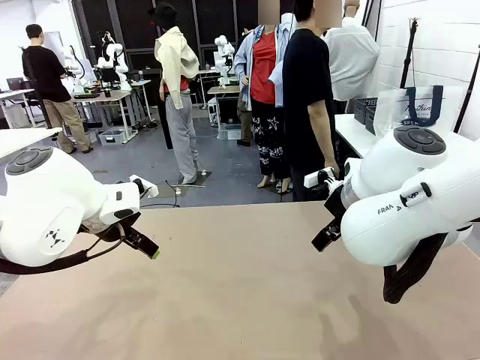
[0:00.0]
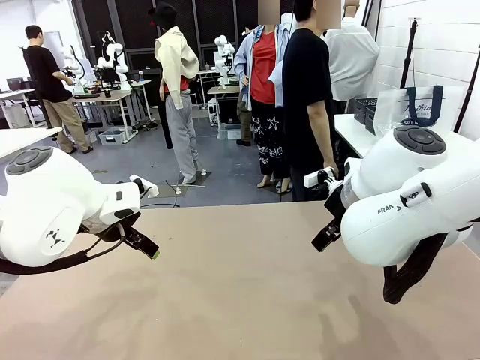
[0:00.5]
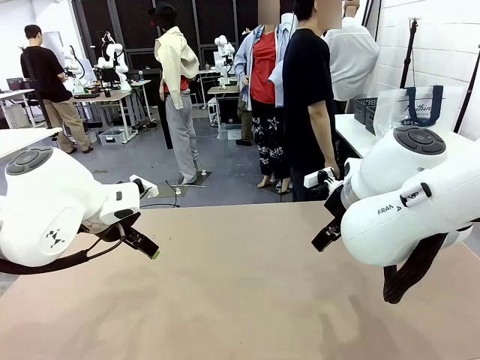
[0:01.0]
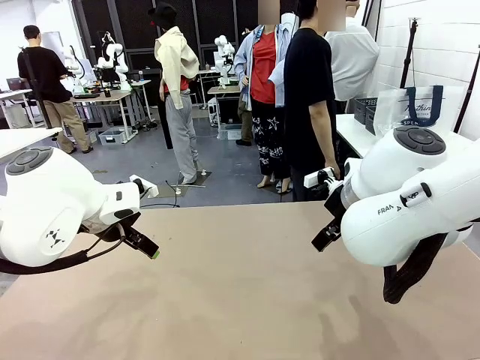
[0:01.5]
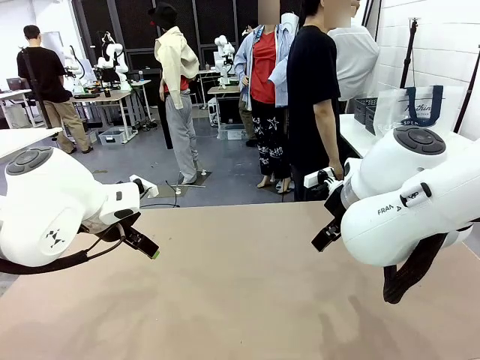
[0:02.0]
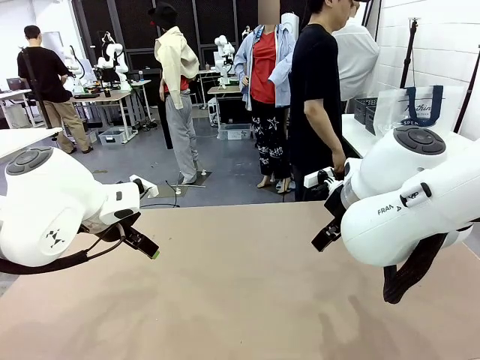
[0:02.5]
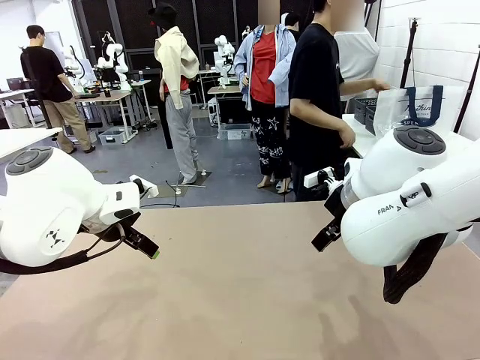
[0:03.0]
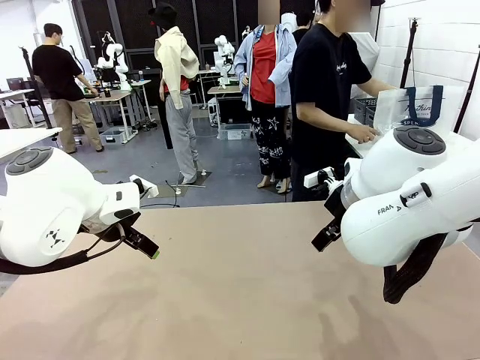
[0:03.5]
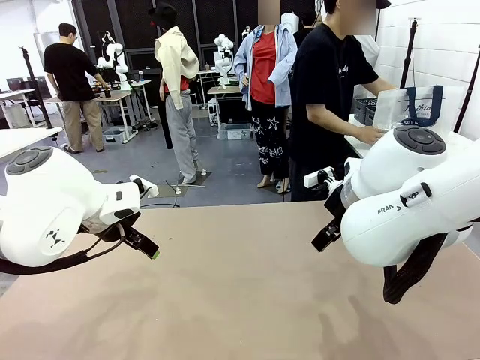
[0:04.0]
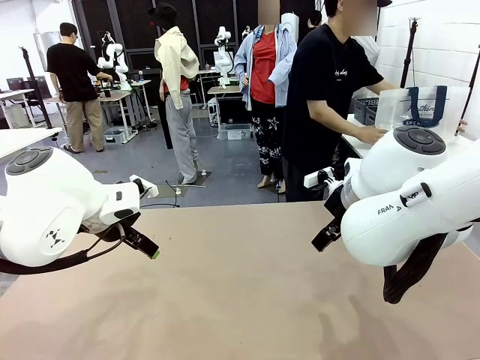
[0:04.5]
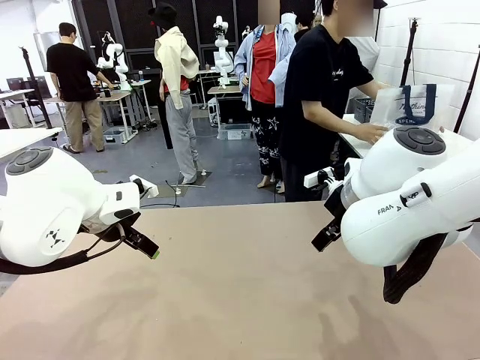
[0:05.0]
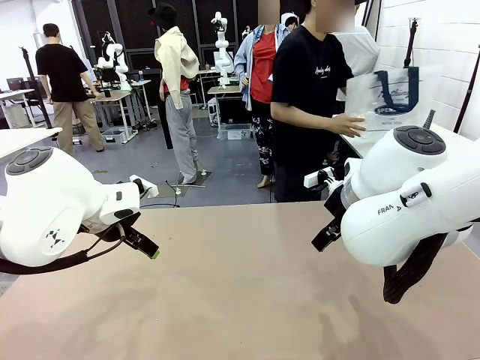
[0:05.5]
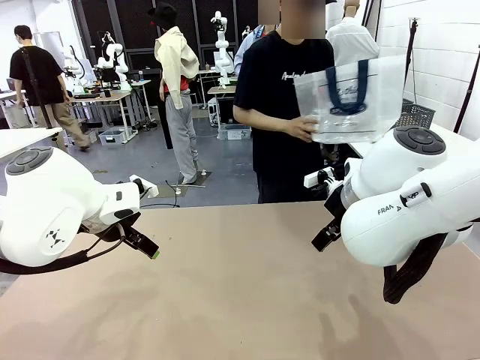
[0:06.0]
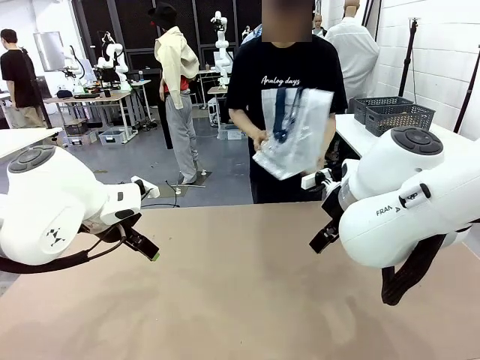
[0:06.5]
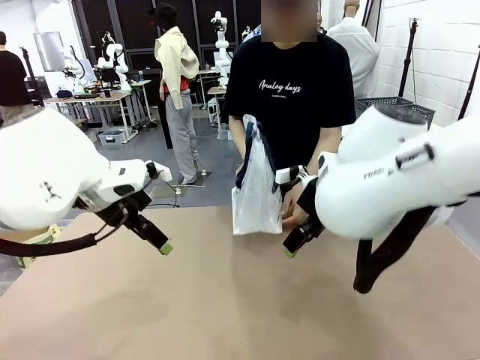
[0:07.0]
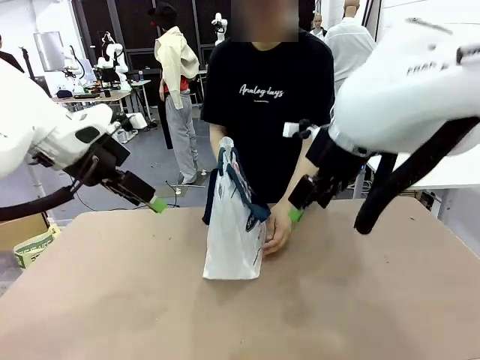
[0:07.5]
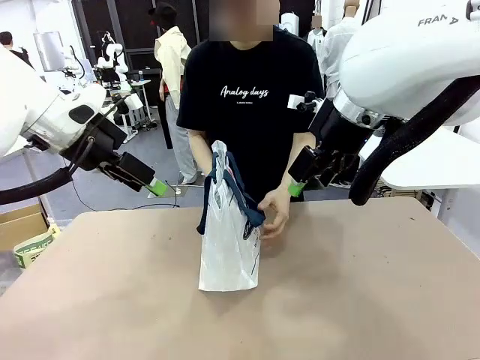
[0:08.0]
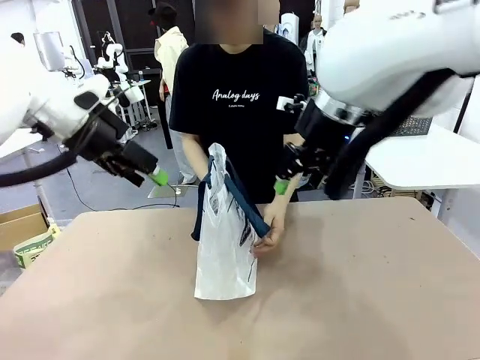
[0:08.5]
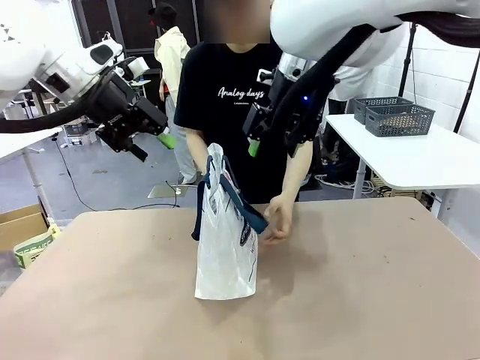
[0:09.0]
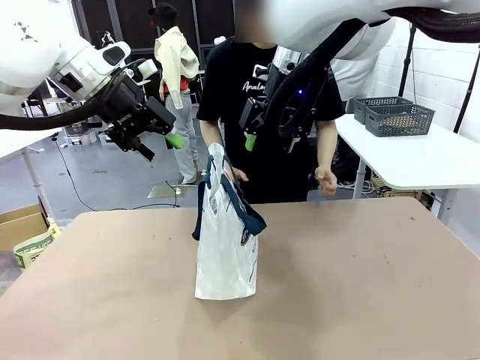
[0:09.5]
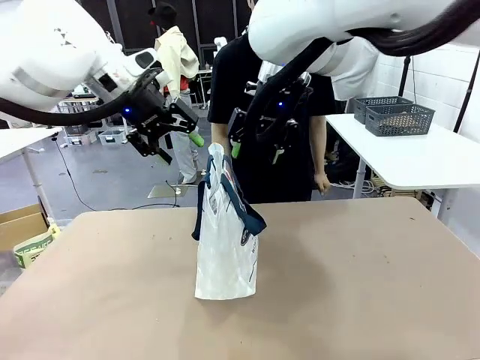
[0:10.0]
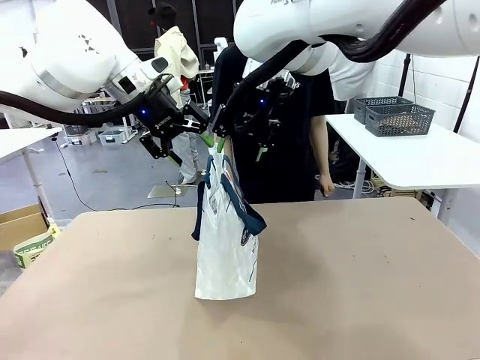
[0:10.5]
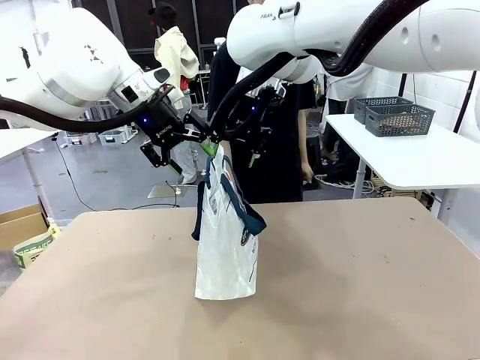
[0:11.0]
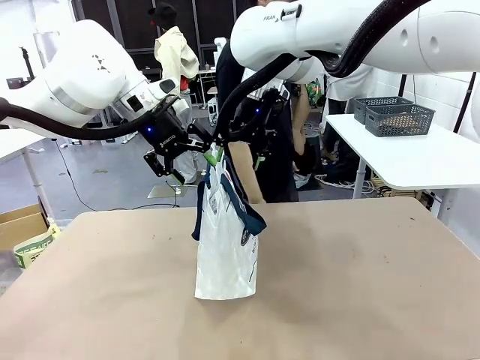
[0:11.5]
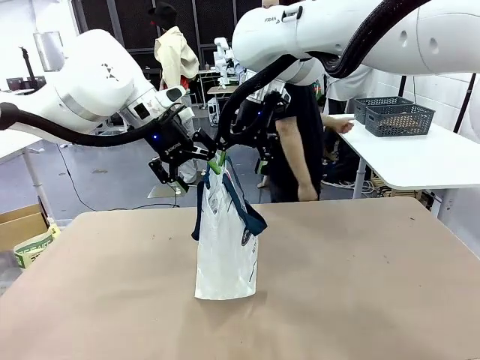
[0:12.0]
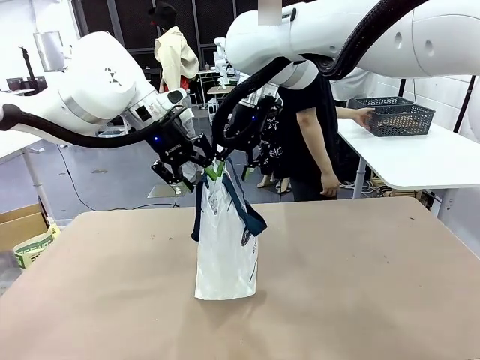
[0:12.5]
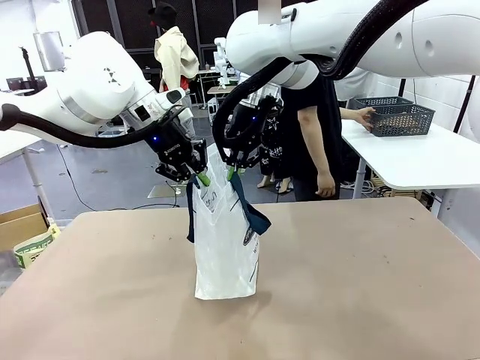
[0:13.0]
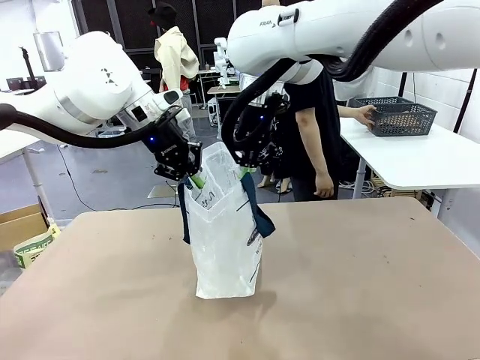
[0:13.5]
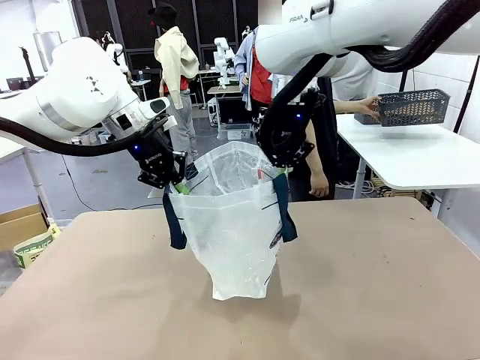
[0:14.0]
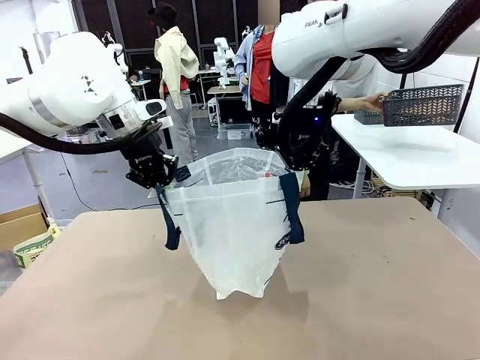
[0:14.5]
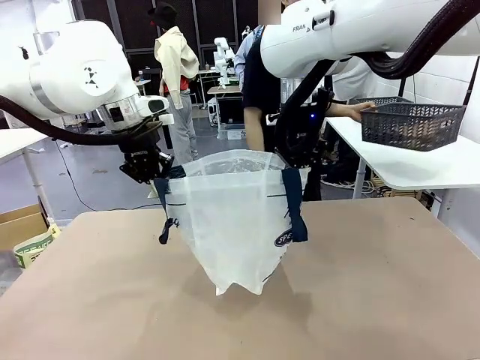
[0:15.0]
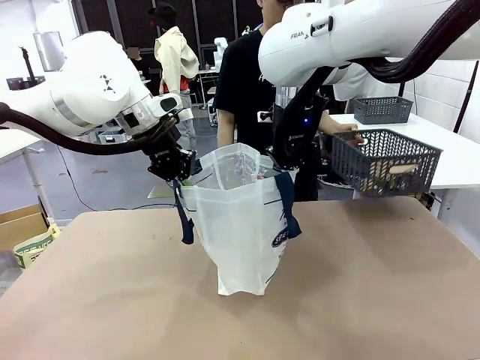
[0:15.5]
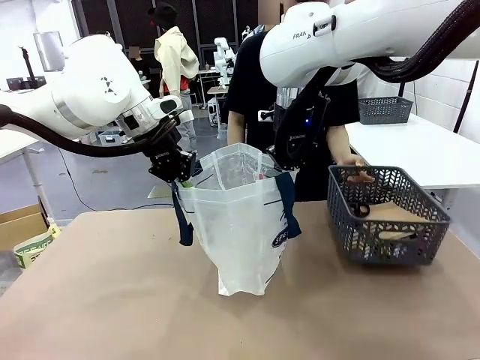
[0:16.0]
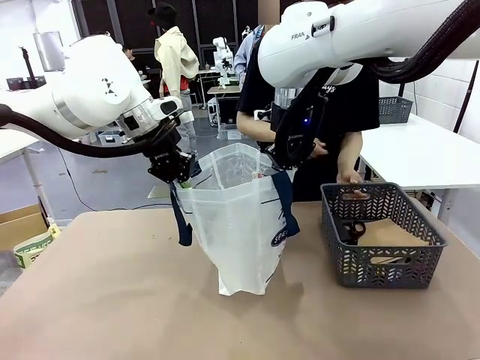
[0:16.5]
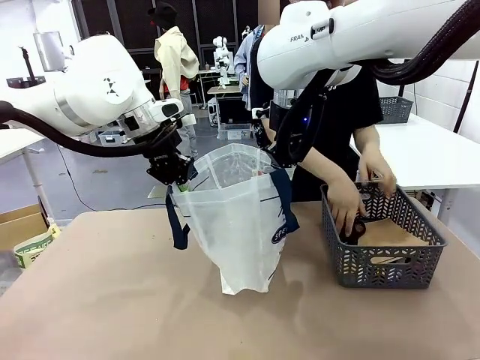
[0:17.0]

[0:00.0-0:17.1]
Task: Transfer purchased items from the store into the shopping bag.
Robot: Open the Reusable shopping bag in the center of the table.
Person: Pick up the shopping bag and place it in the middle of the robot table.

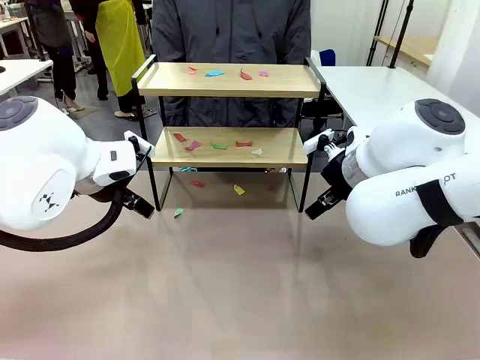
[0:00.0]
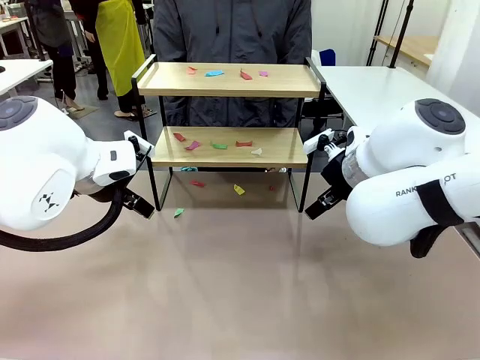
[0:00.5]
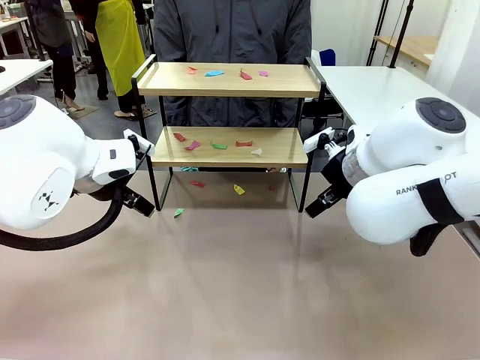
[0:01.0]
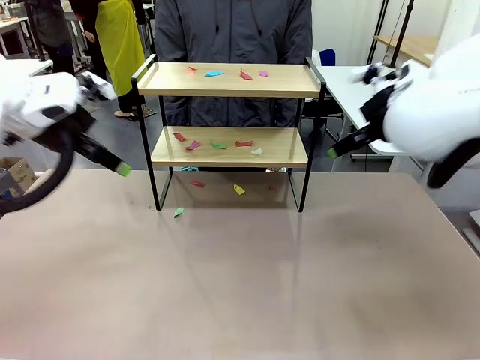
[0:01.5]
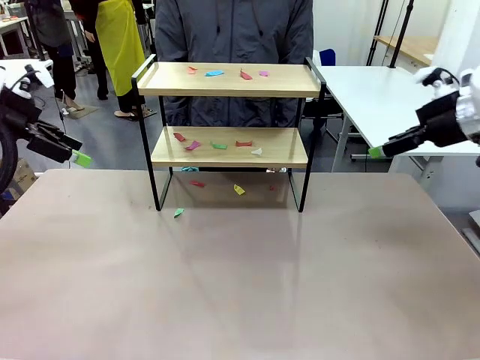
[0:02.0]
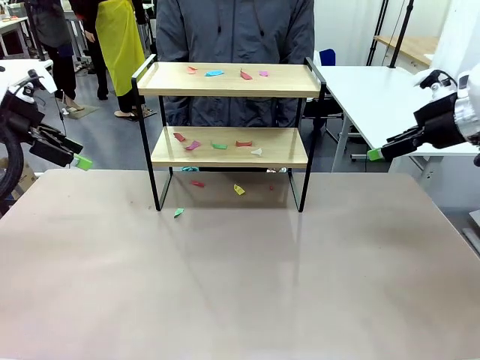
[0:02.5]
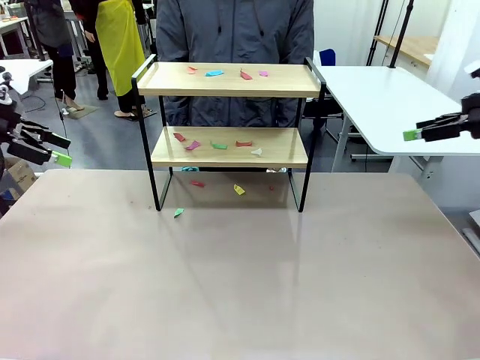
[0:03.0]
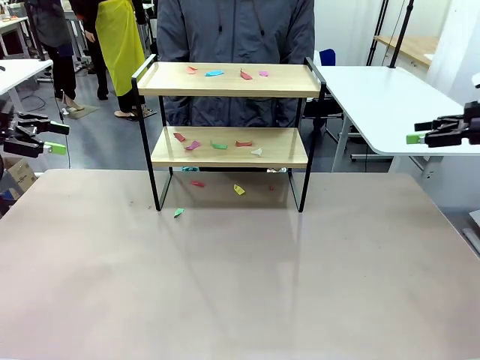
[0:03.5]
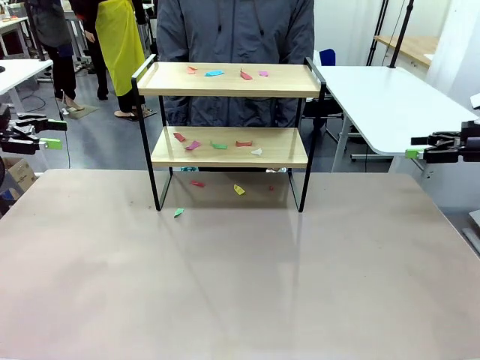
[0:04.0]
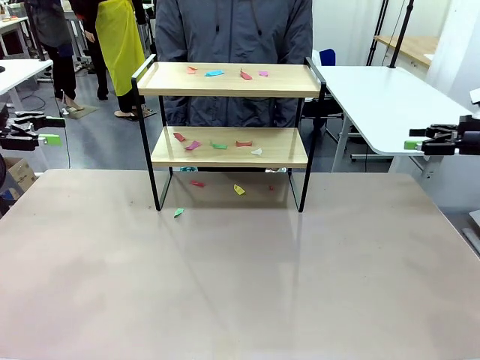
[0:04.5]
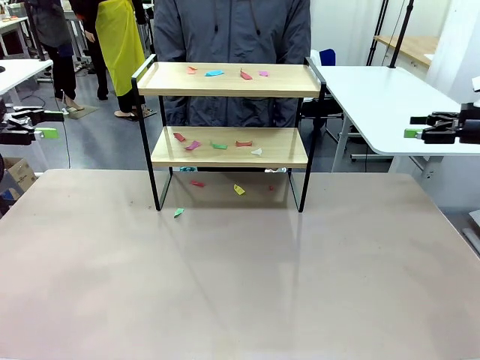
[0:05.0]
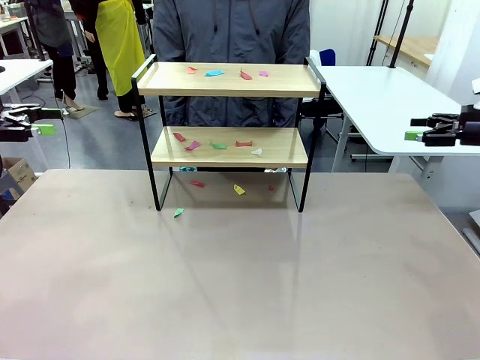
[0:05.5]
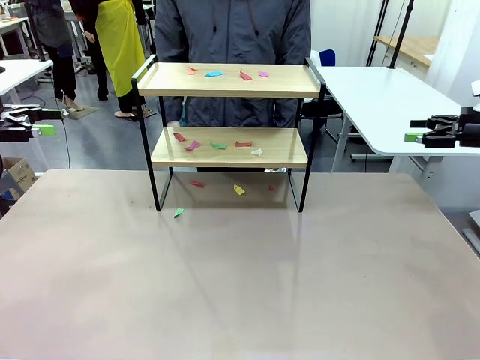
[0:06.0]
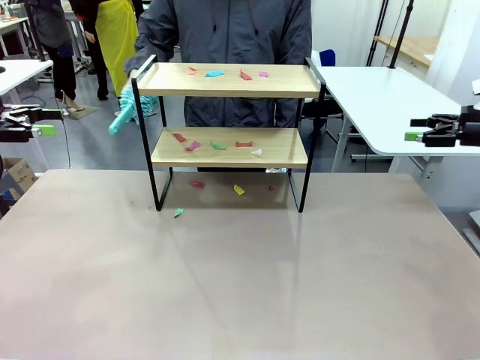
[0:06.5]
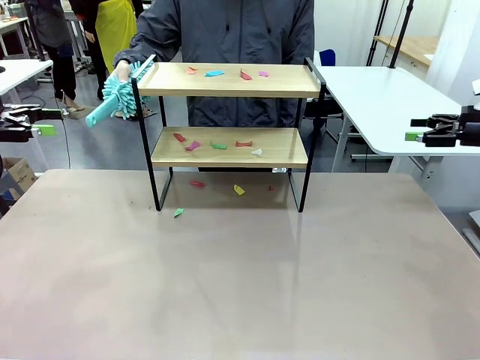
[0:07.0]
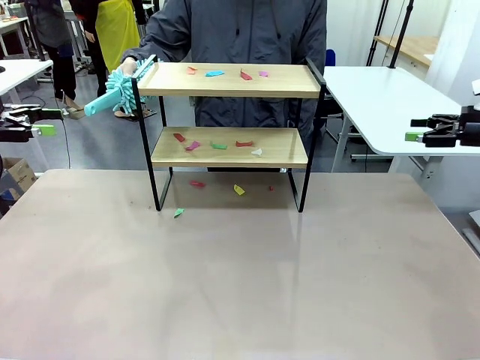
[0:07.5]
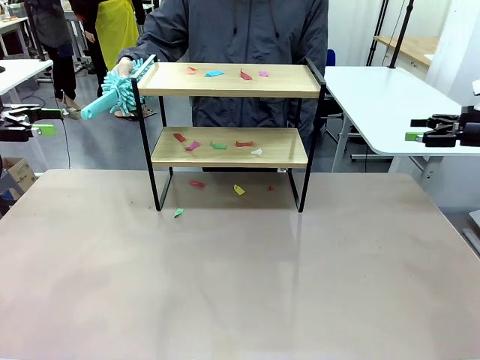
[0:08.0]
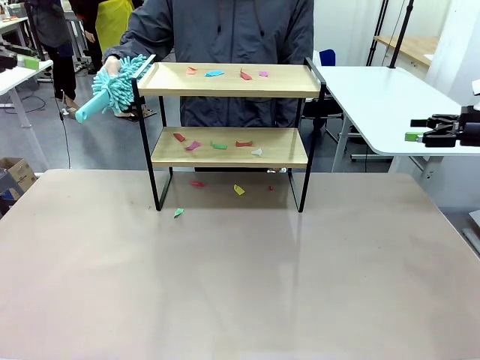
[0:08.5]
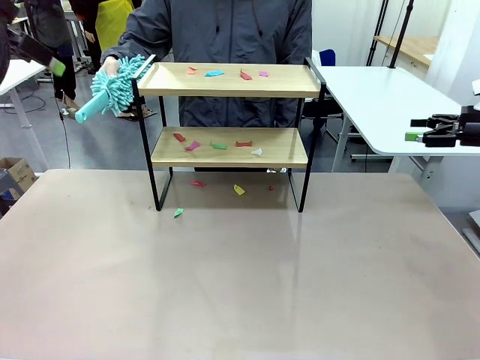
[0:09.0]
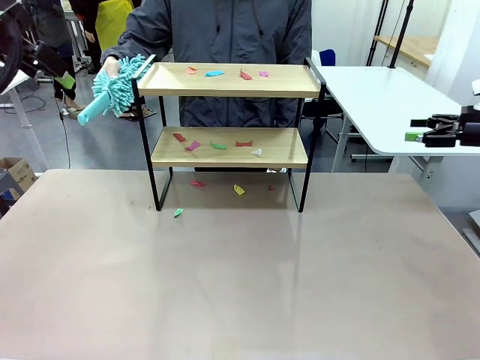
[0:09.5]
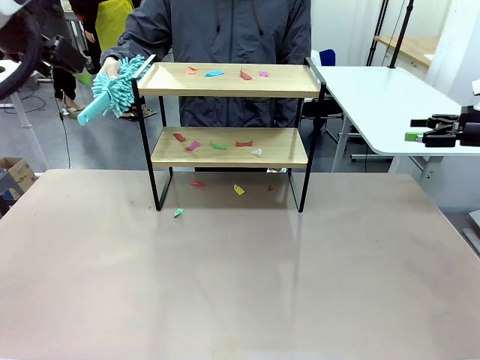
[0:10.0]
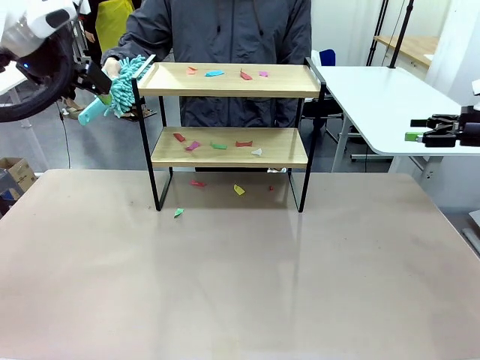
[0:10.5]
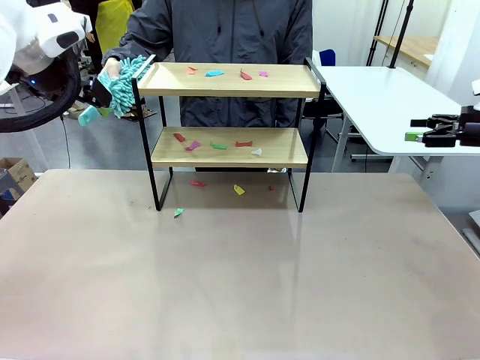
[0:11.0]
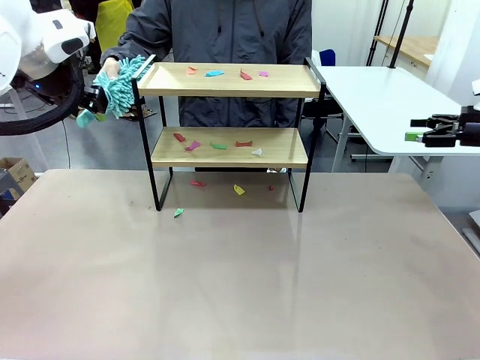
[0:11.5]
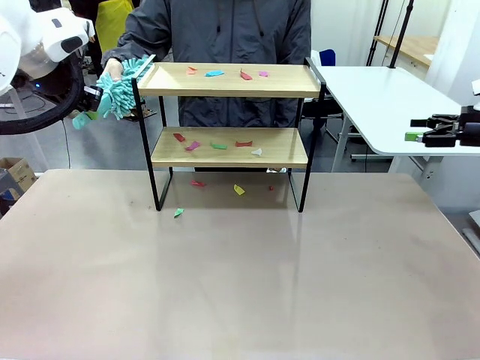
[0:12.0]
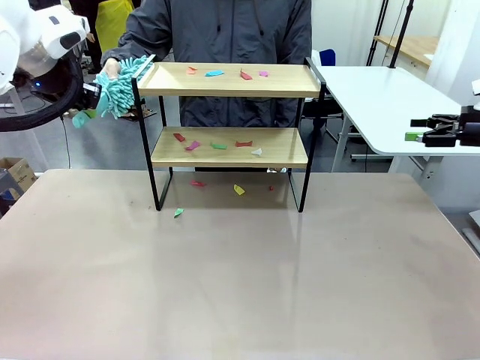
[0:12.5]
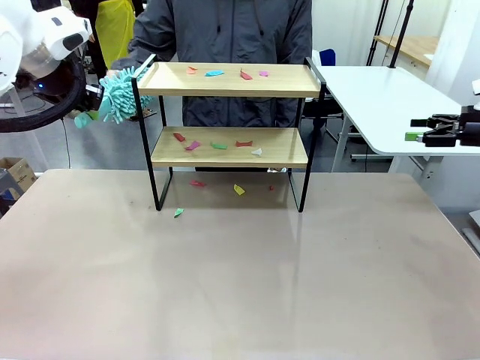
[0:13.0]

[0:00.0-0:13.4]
Task: Clean the shelf.
Robot: Pick up the Duster handed by the human.
Person: Hand the Duster to the robot.
